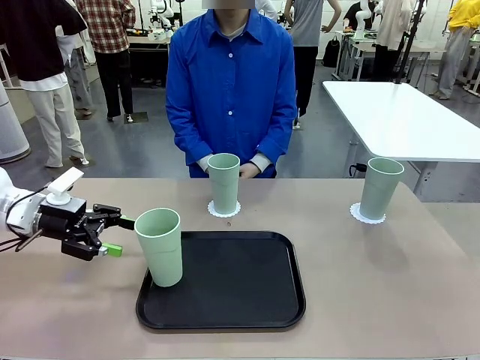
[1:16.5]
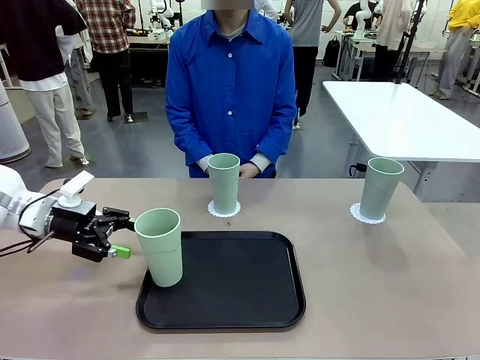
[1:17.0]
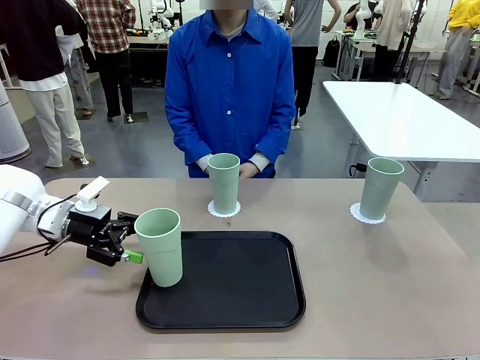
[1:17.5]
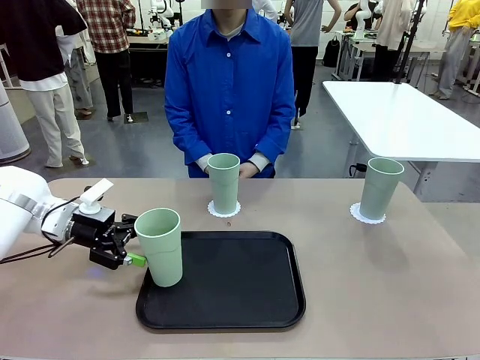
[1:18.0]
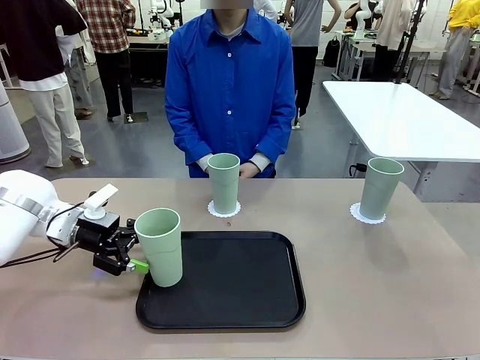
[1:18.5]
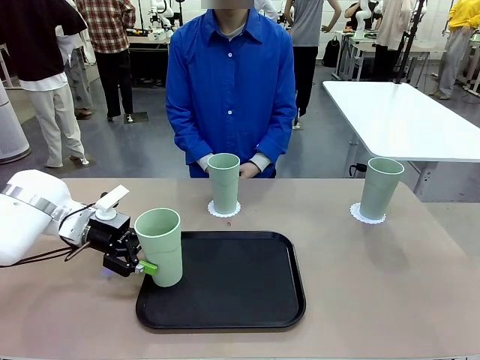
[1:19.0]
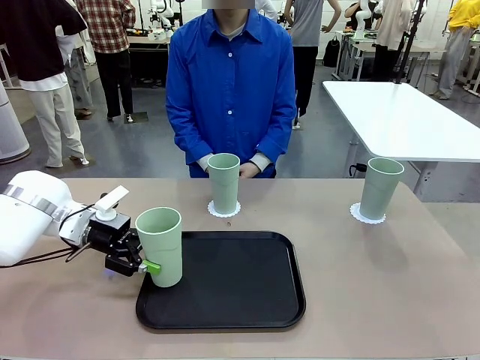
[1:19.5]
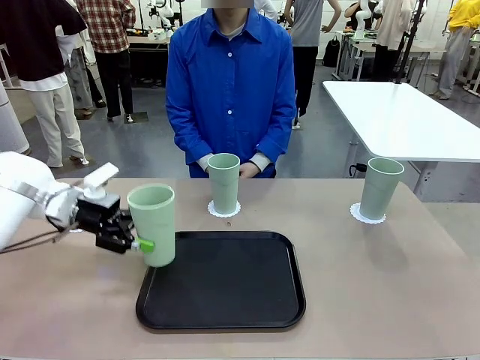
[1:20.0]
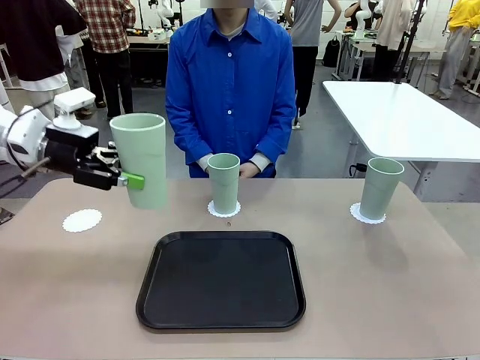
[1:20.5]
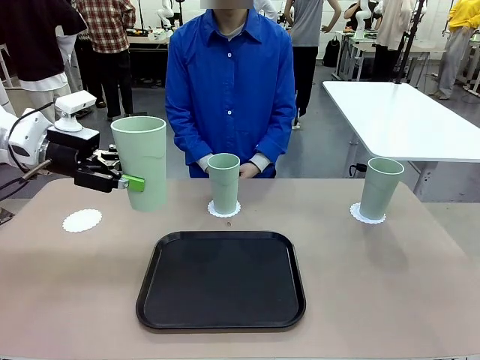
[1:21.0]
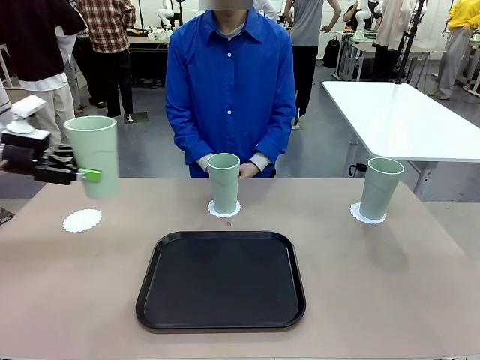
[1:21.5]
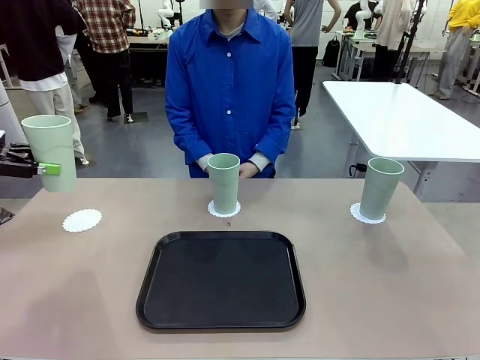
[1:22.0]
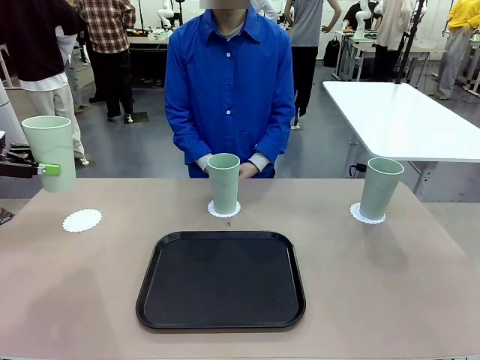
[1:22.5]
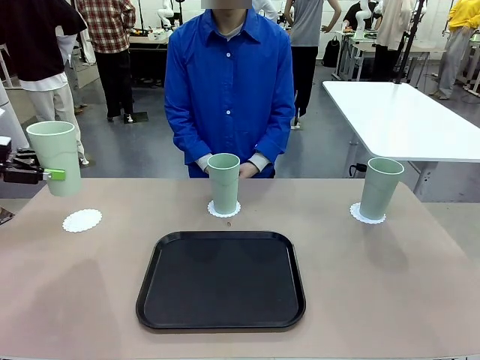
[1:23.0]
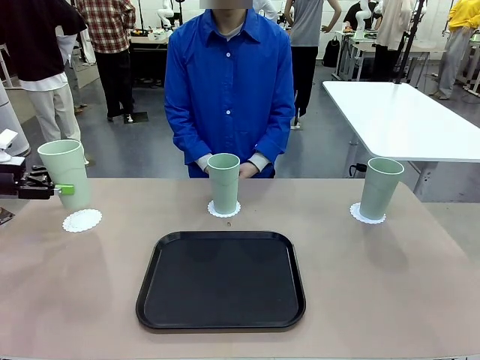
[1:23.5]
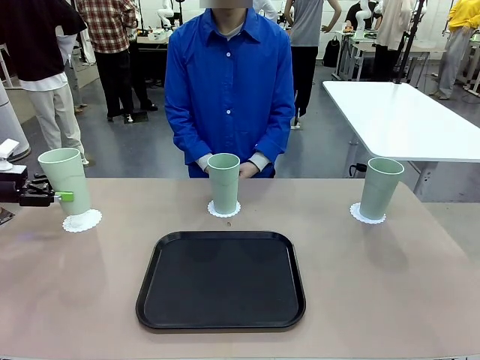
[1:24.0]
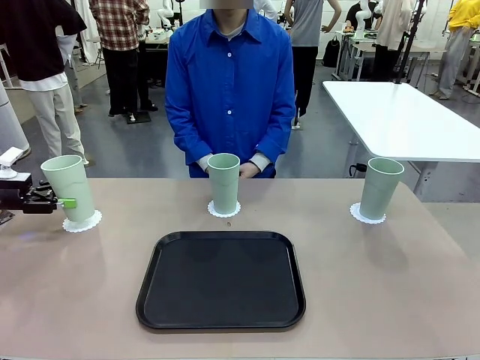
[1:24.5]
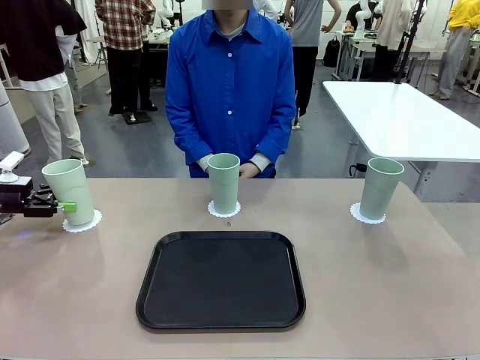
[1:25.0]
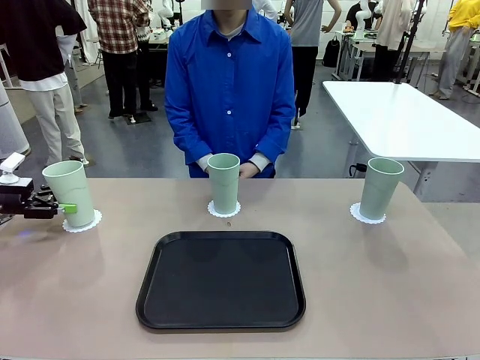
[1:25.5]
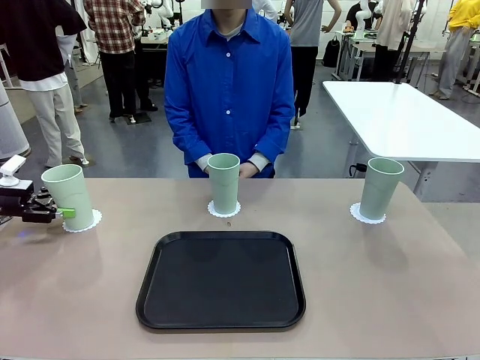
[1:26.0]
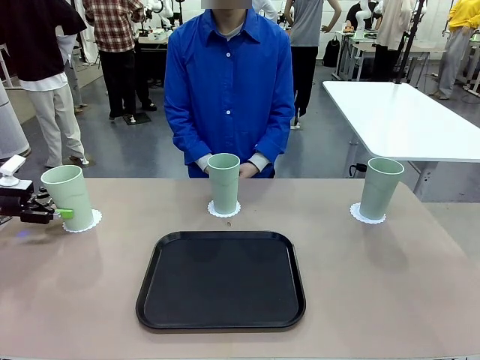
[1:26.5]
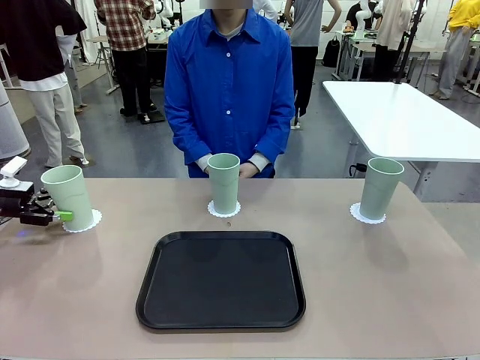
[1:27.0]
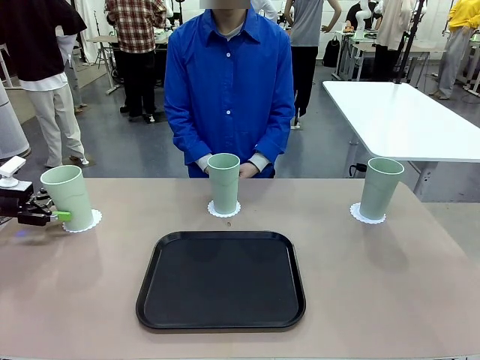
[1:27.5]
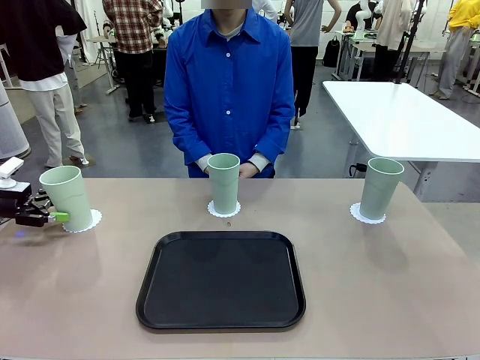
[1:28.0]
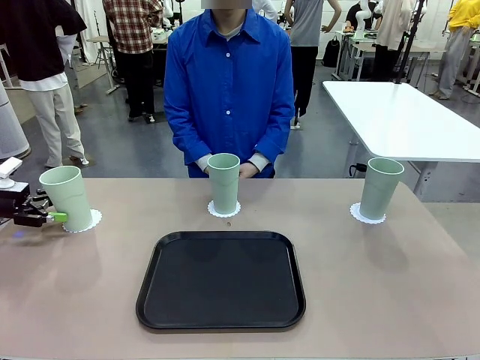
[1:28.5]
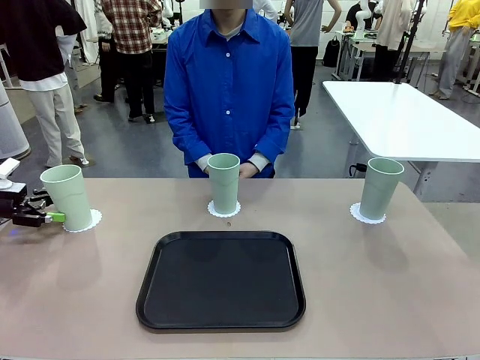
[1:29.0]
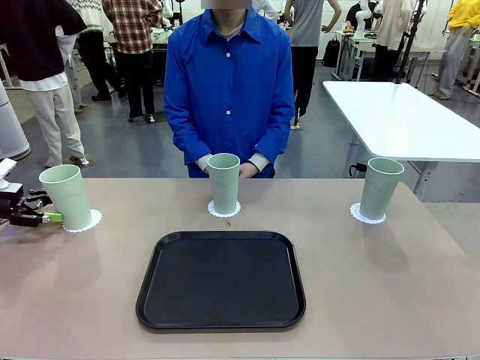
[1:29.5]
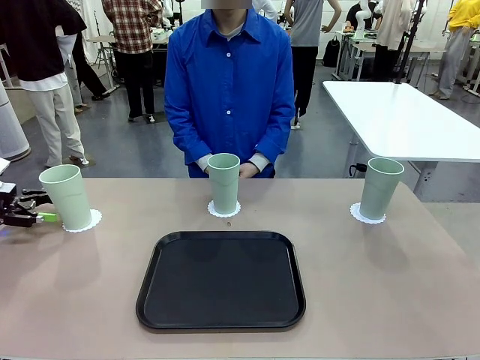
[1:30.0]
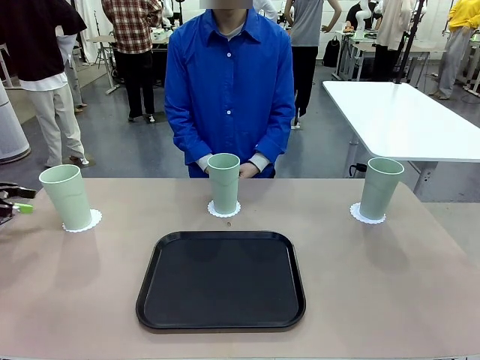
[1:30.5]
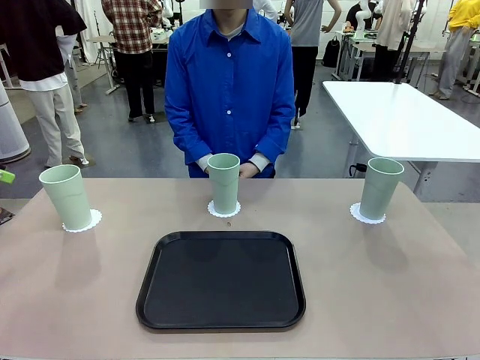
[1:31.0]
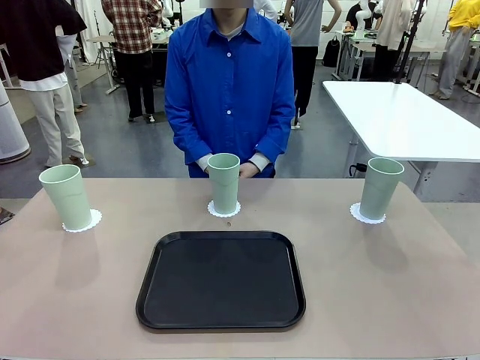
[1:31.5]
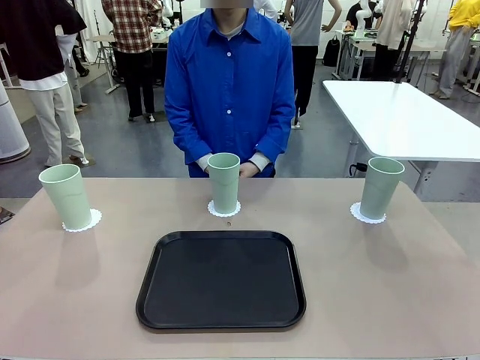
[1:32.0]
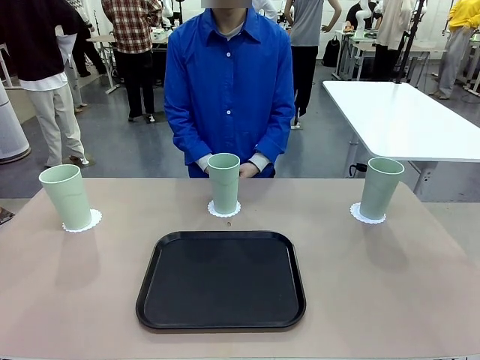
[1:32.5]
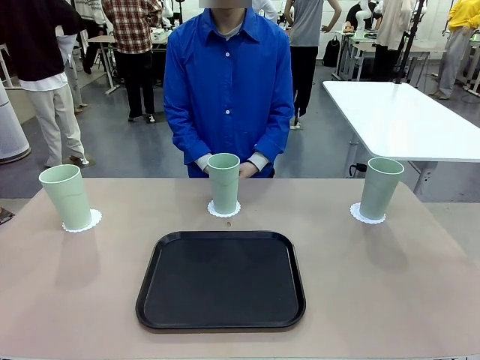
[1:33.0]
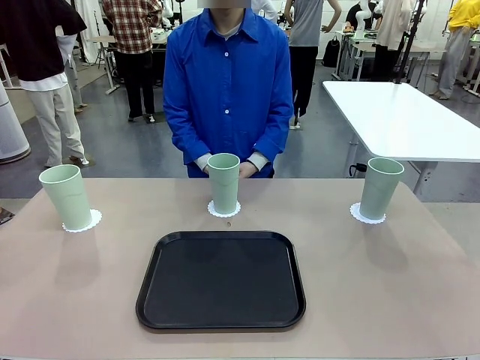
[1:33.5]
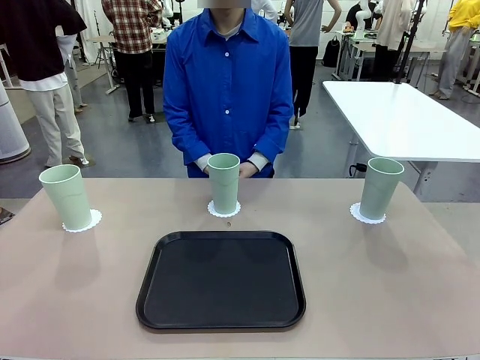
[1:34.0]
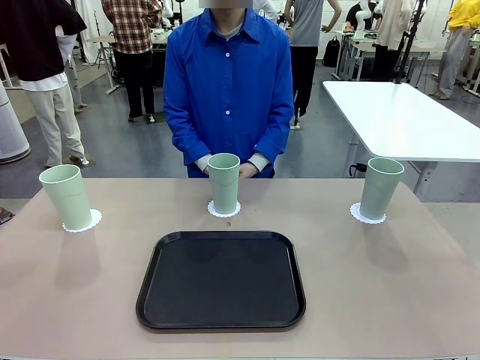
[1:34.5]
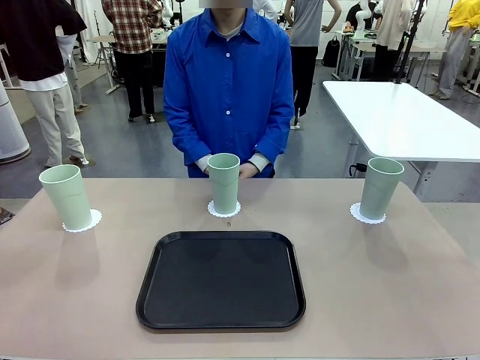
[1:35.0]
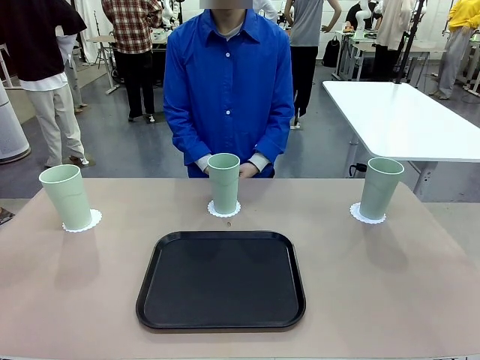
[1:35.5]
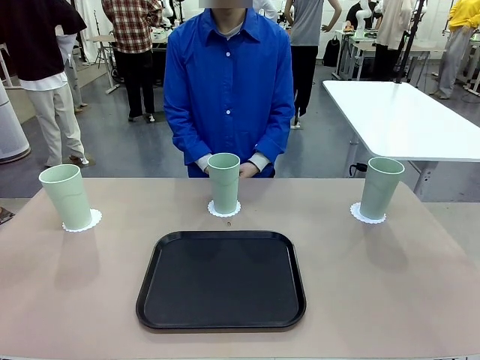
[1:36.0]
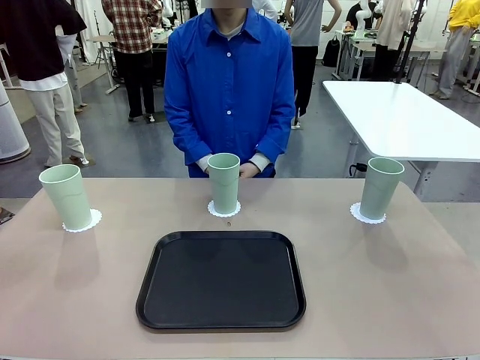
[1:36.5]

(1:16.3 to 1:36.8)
Task: Place coasters on the table and set cups on them.
Robot: Take one Reusable plastic cup from the Flat Tray and place it on a coaster set by the human.

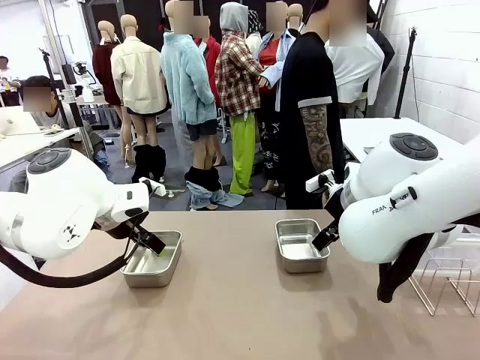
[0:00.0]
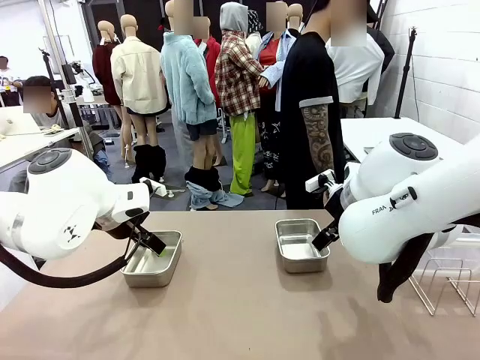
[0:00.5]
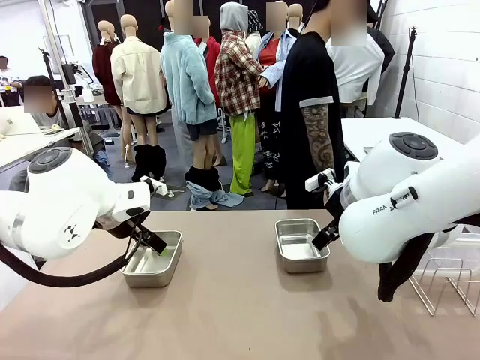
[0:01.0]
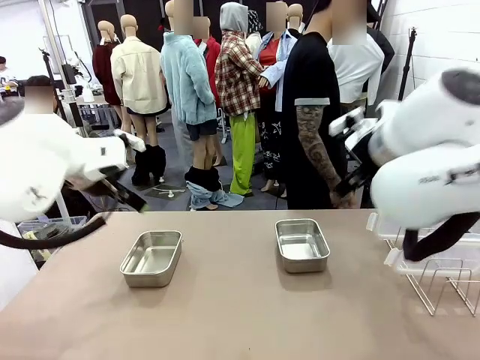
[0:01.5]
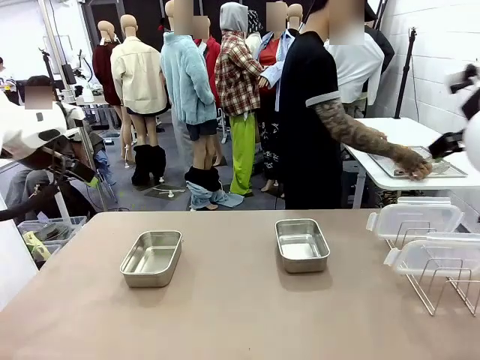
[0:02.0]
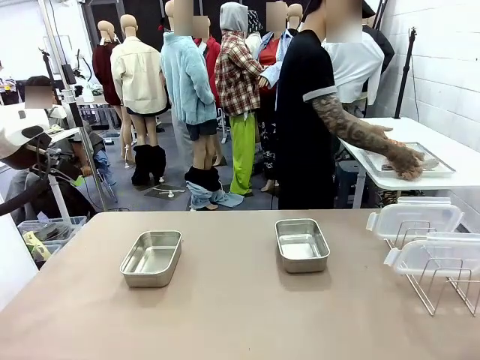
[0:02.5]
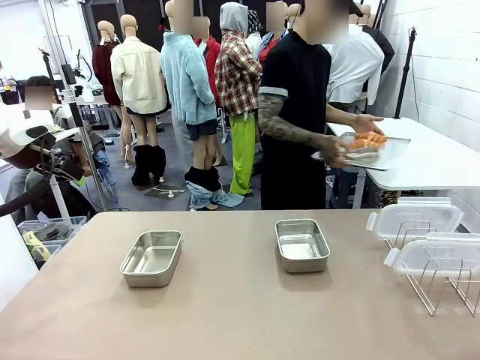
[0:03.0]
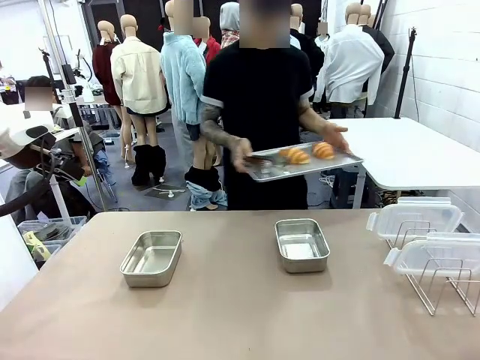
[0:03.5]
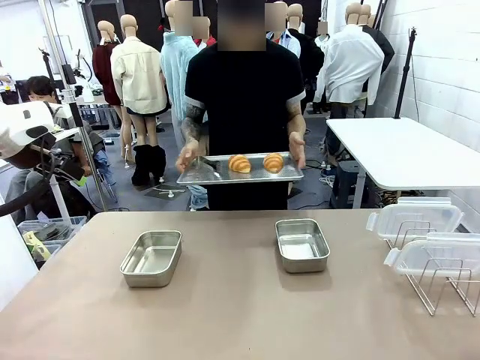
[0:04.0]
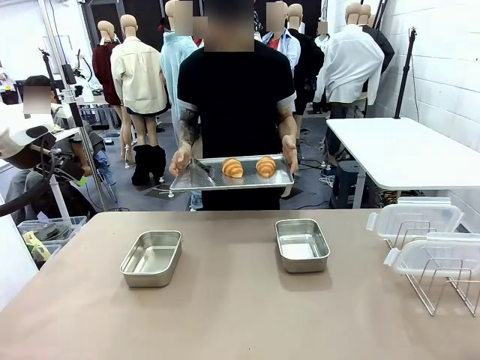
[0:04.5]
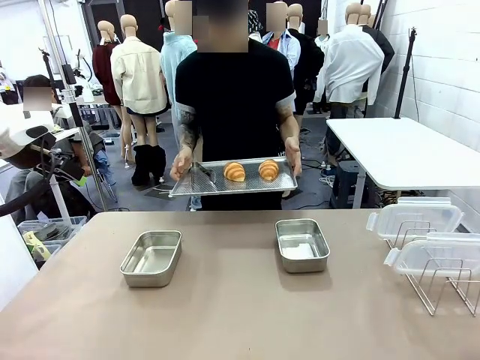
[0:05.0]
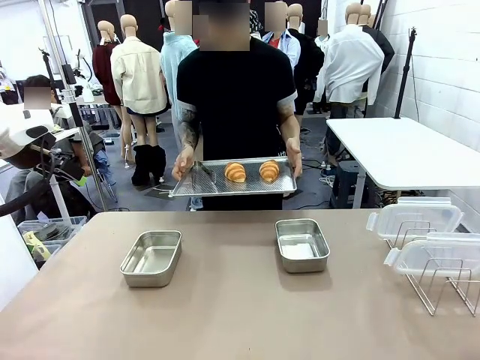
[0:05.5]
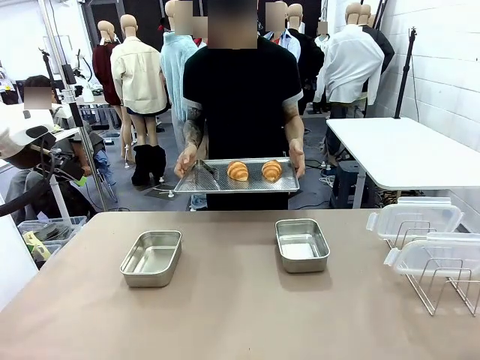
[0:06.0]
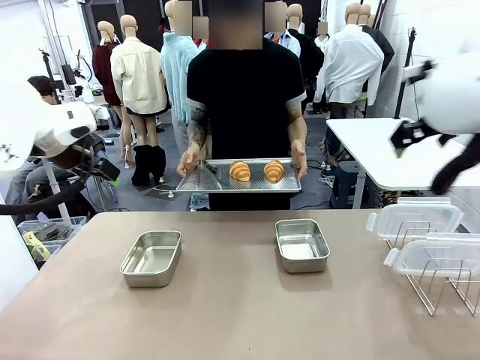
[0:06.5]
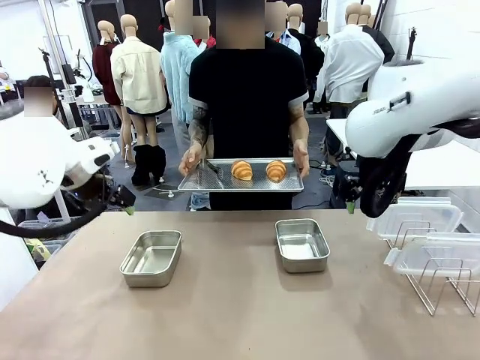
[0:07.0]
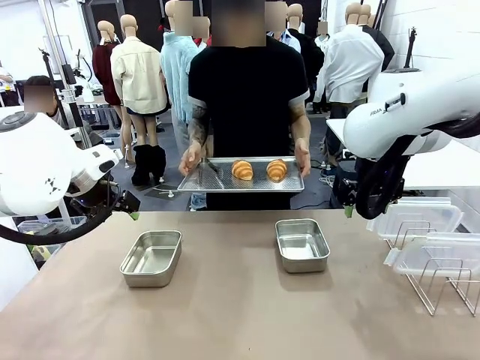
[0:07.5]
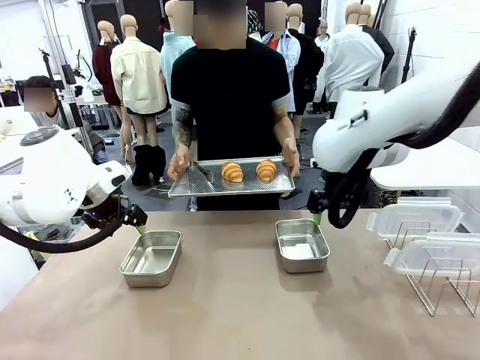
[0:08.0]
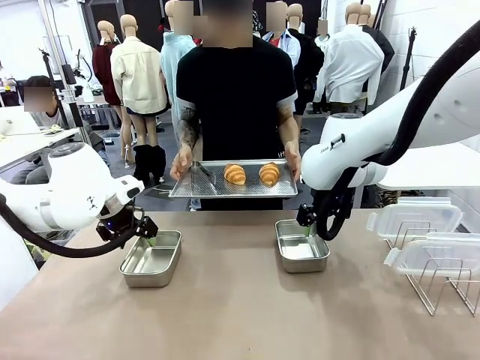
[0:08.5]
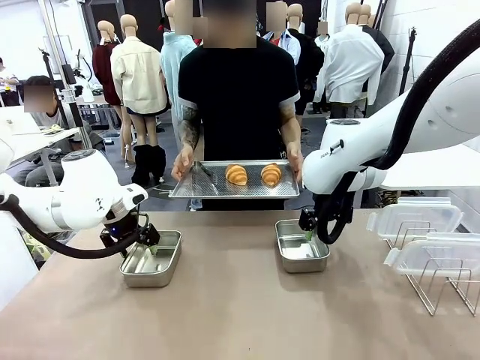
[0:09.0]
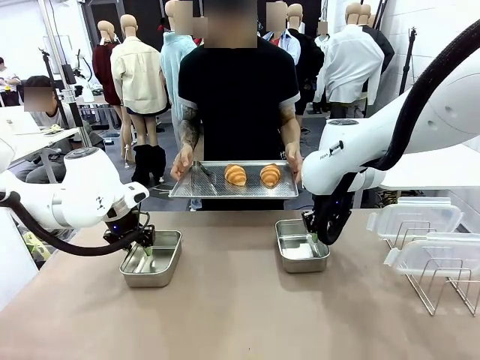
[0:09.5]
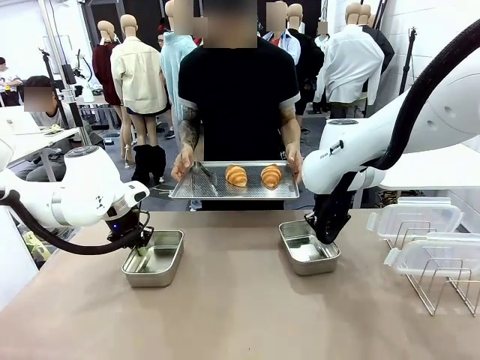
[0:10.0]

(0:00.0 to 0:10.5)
Task: Place the bread in airtight containers.
Robot: Lift both Airtight Container.
Person: Bring the Baking Sheet in front of Robot's Table.
